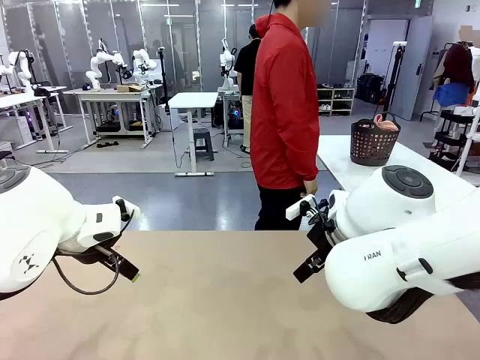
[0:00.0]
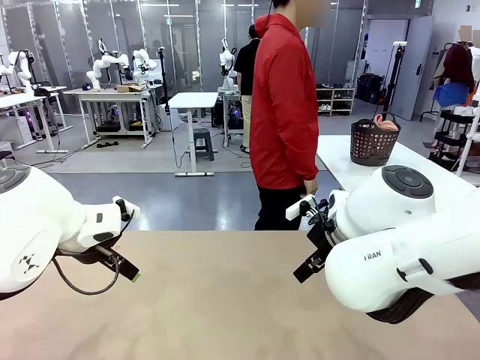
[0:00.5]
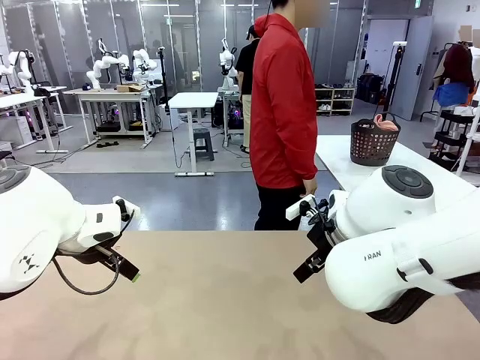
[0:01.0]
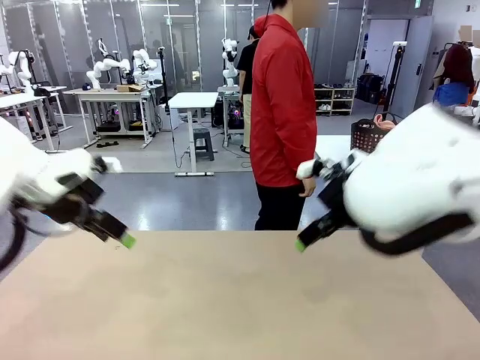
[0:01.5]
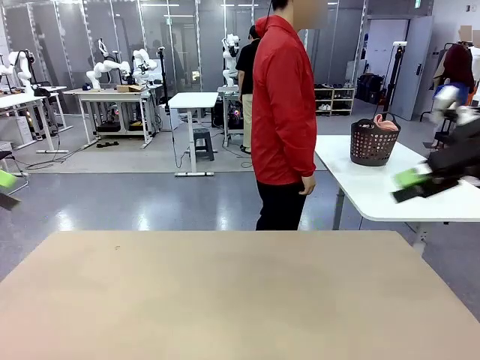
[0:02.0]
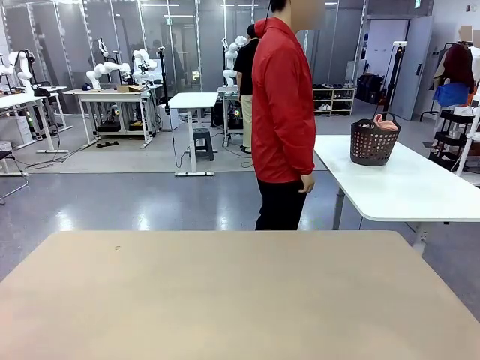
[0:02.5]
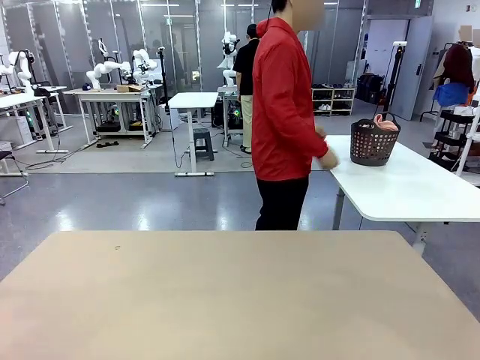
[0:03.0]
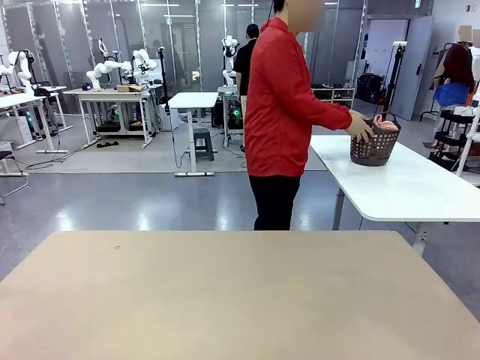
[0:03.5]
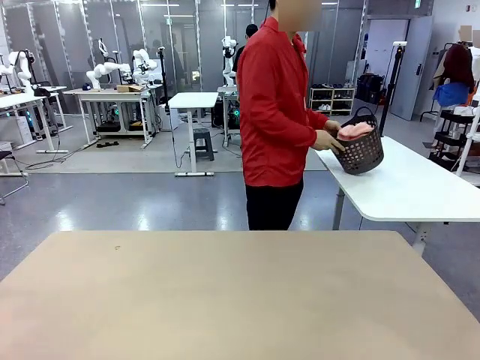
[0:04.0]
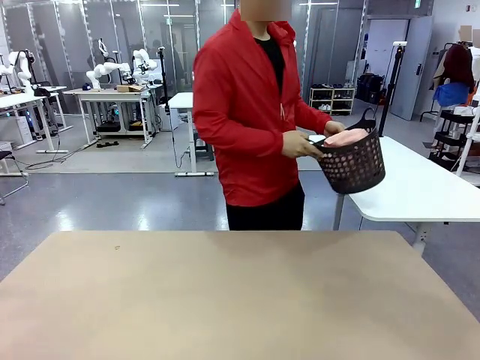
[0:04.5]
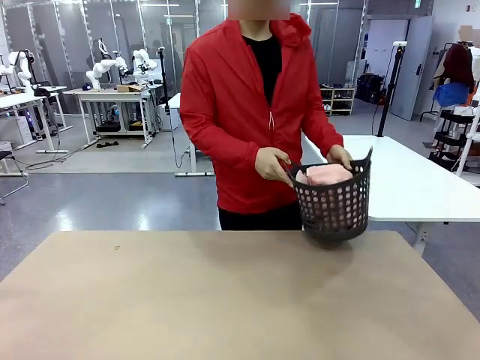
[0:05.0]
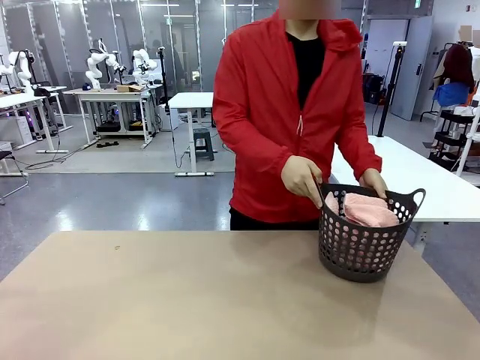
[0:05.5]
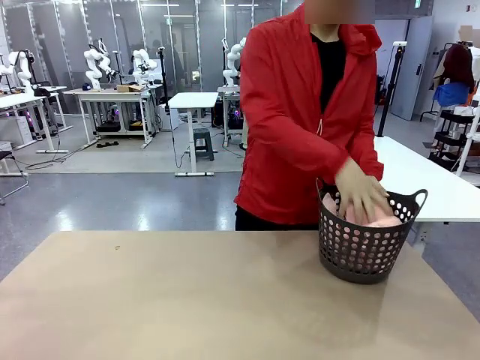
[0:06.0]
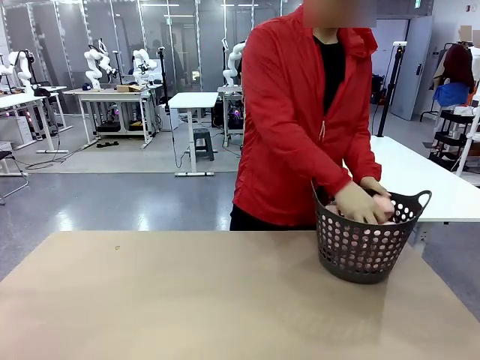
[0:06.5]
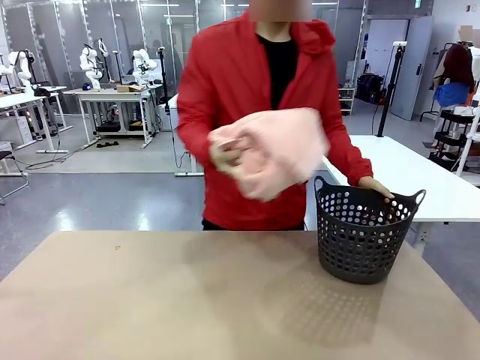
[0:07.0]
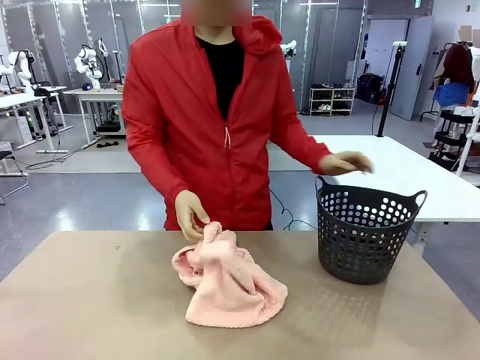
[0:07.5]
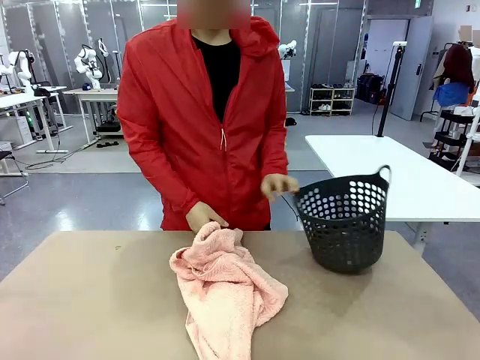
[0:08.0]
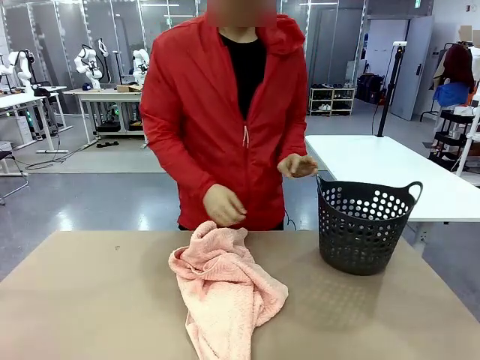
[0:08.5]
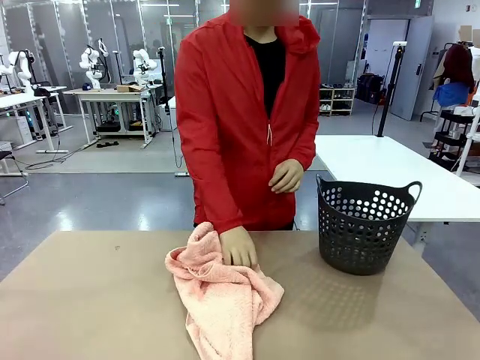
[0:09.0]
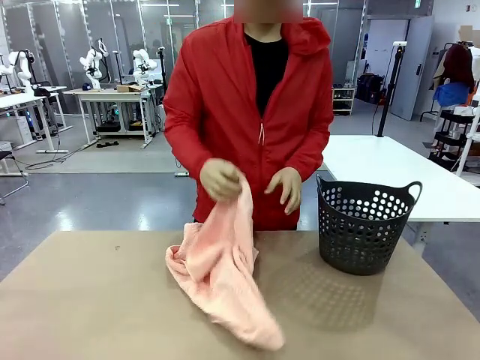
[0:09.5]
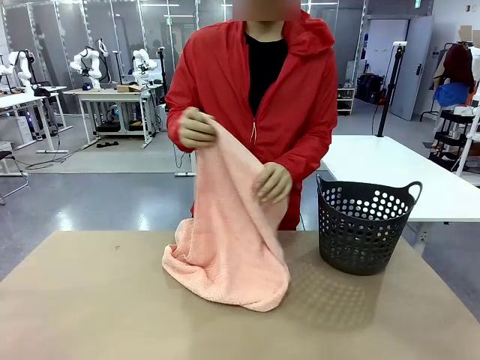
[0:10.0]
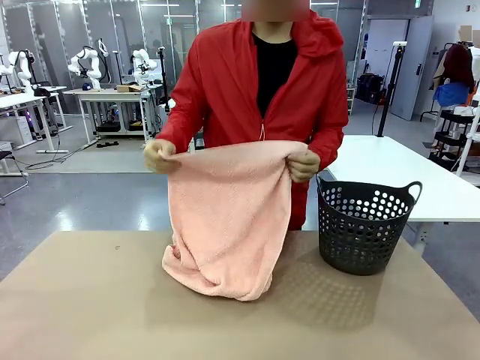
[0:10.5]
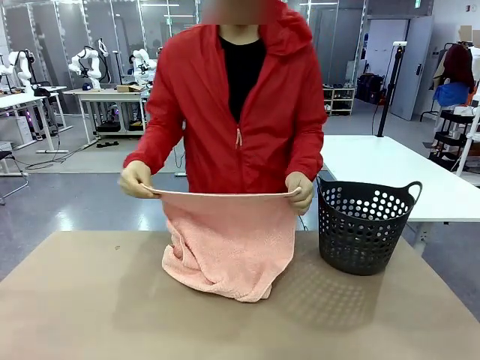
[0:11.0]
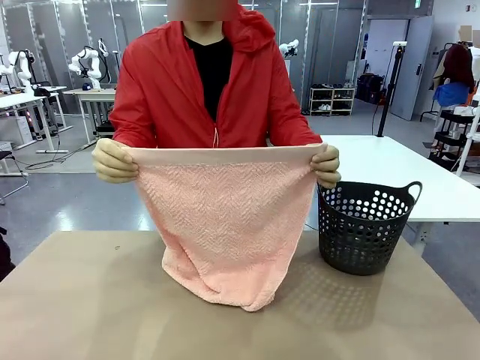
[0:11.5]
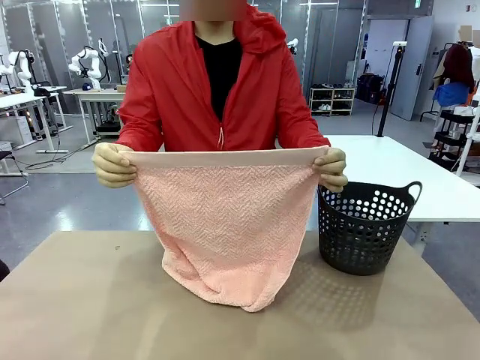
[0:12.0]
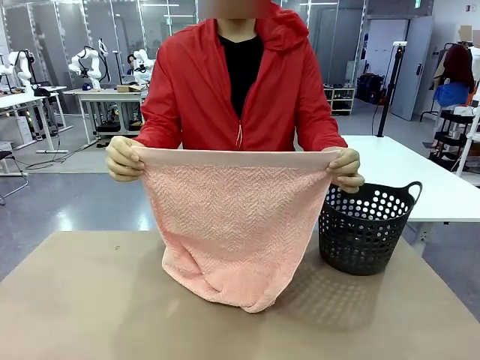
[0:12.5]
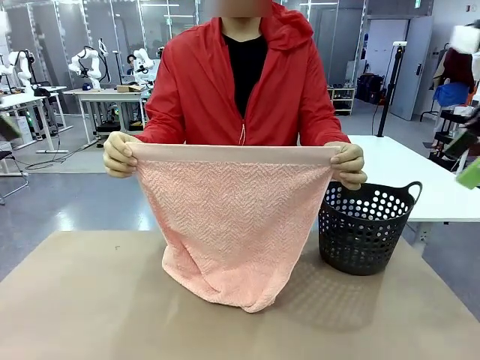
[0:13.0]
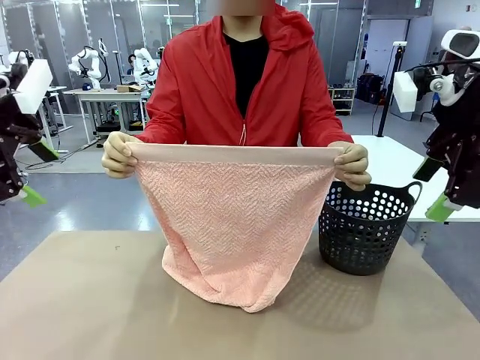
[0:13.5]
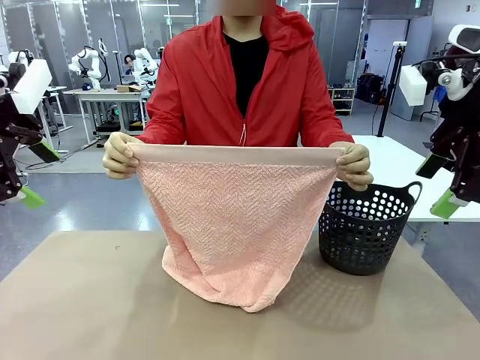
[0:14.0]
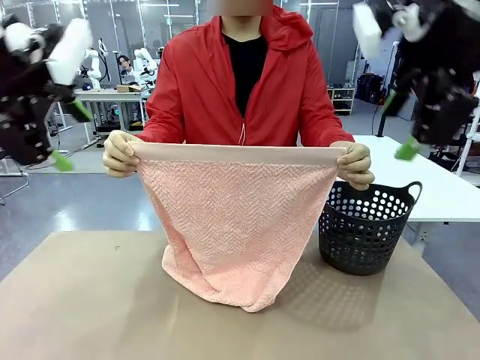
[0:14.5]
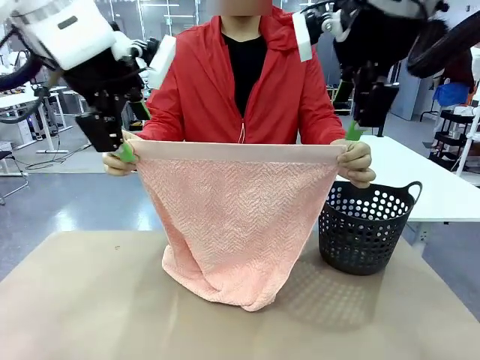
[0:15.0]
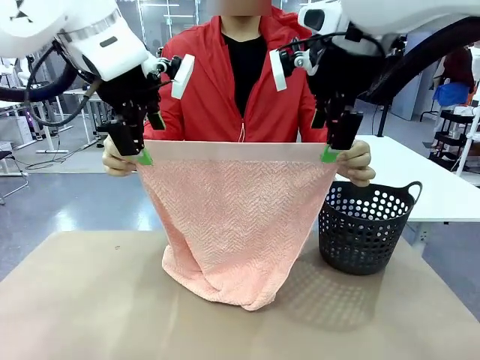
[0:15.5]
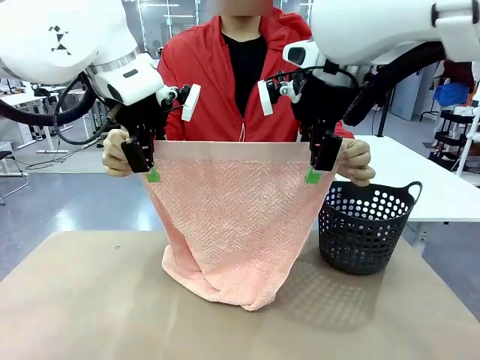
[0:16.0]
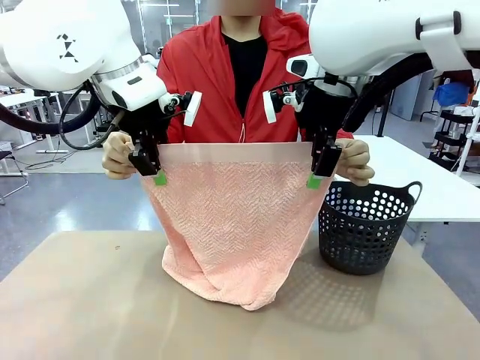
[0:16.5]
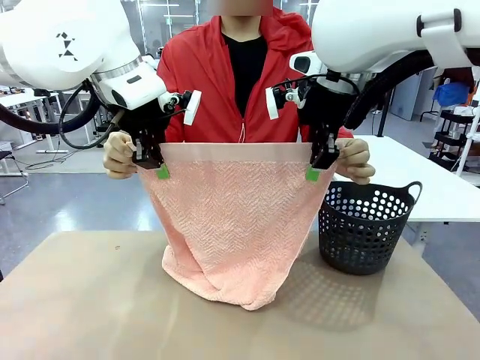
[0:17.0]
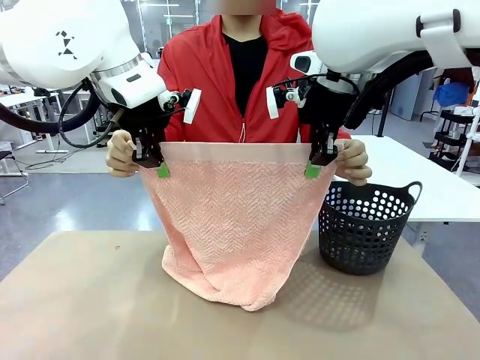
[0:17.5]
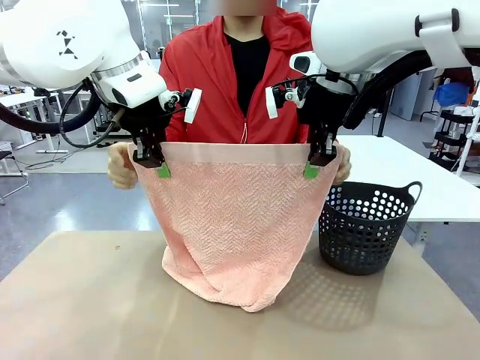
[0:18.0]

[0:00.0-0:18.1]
Task: Fold the towel.
Robot: Grab the top end of the 100 cm Hotel Towel extended by the human.
Person: Pick up the laundry basket, place it on the left side of the robot table, then take out a towel and hand it to the robot while holding both corners of one end.

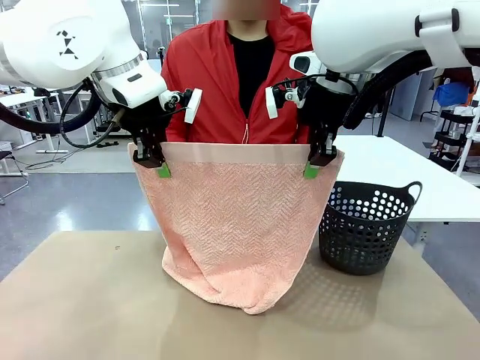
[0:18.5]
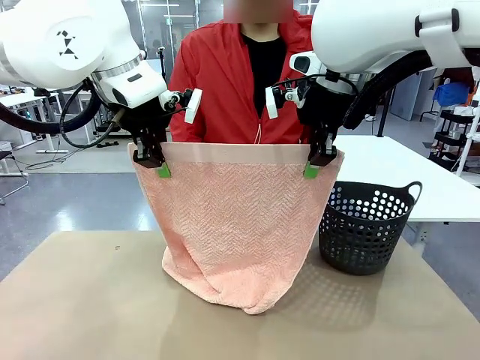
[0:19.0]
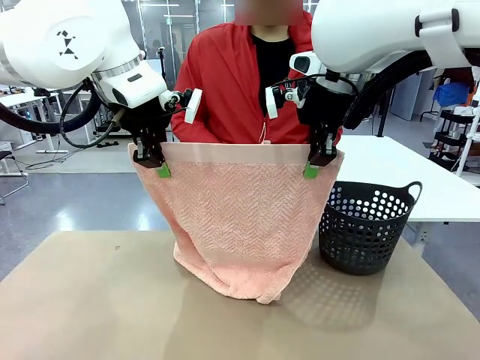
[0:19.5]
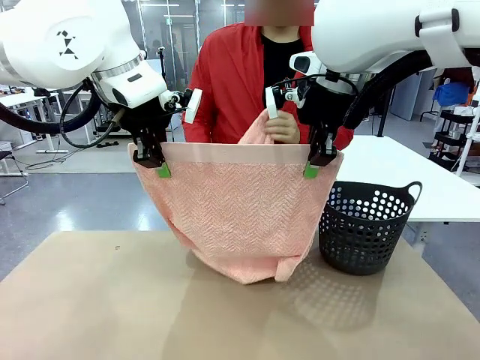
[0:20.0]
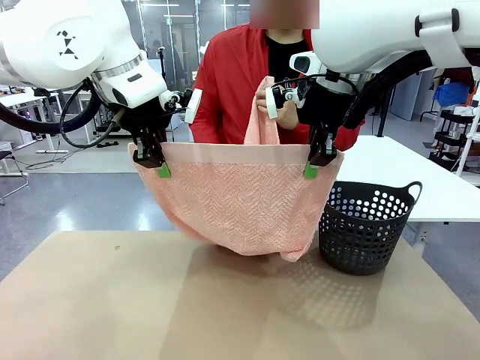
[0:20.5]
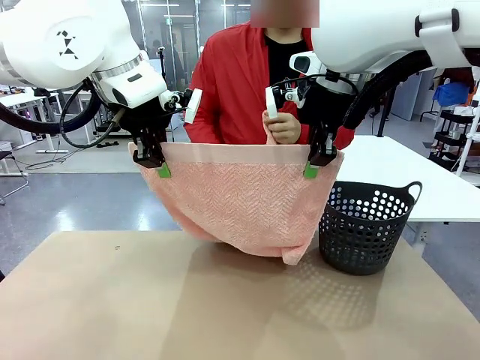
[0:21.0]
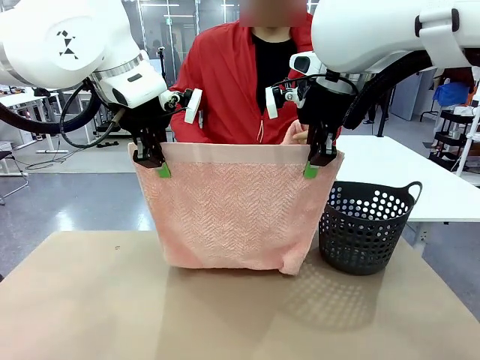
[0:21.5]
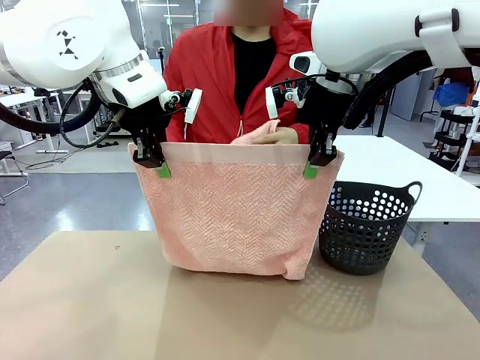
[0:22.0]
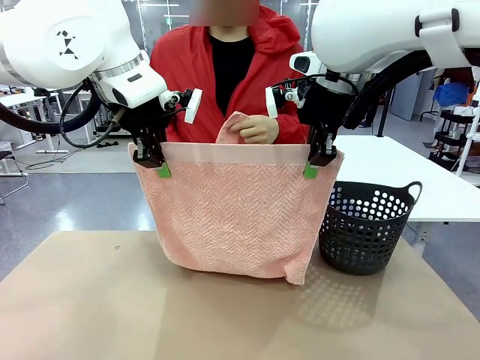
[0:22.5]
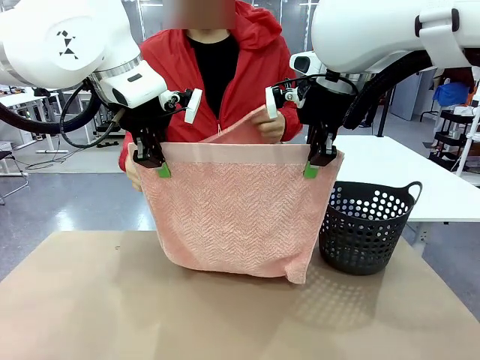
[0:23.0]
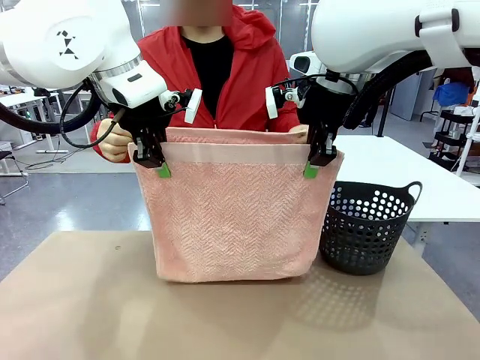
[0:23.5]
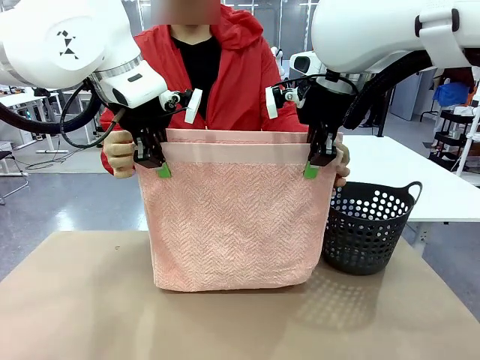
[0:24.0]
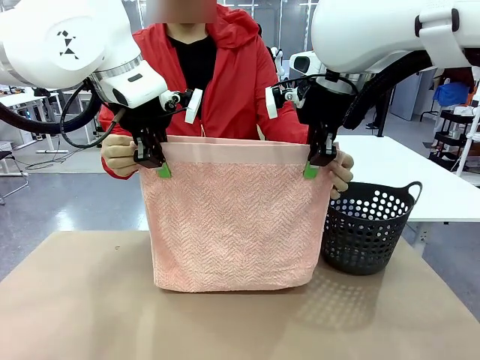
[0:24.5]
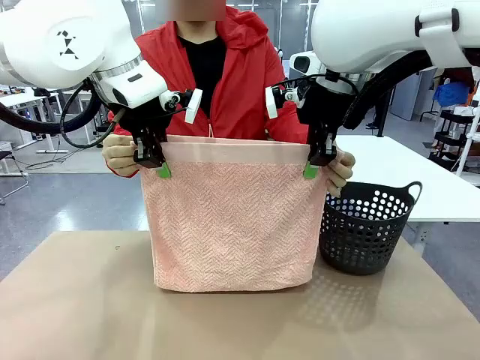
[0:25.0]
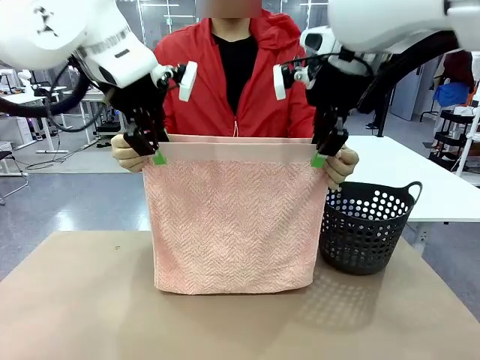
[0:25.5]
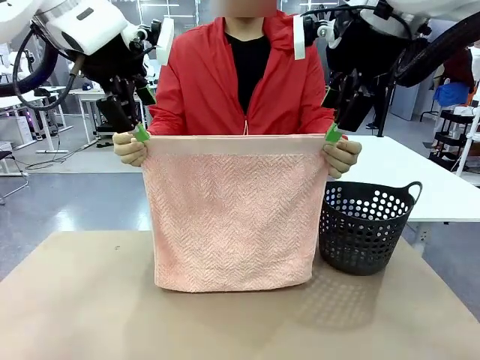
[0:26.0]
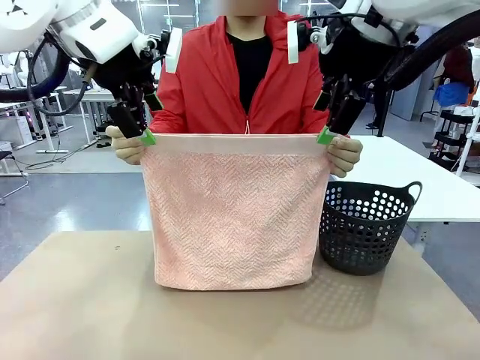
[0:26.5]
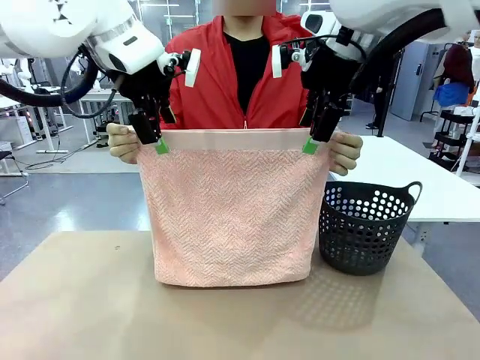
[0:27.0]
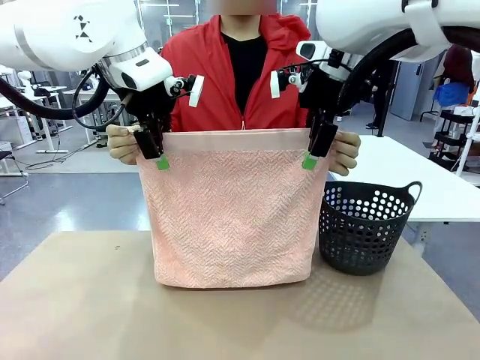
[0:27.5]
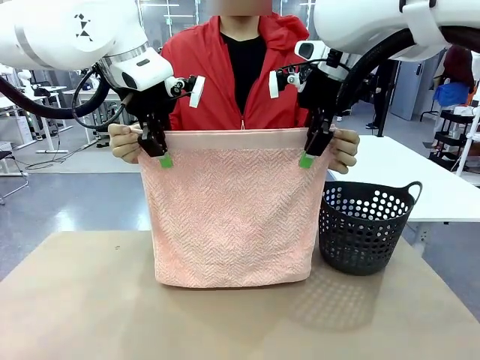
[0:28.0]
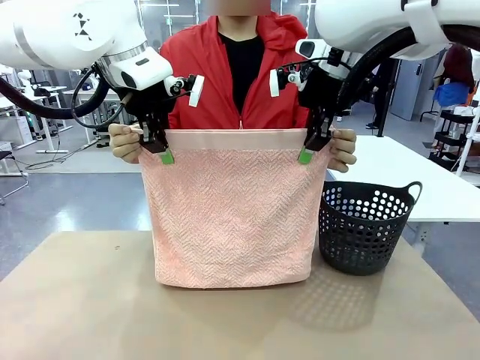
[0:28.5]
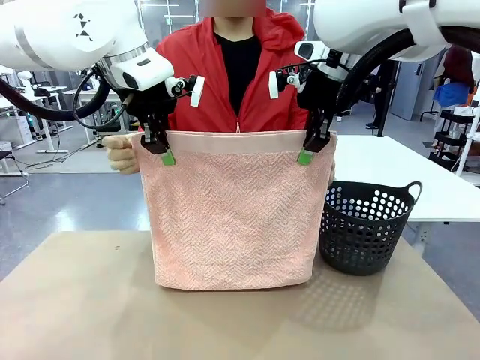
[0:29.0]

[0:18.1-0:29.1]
Robot: Release the end of the 100 cm Hotel Towel you were holding and grab the top end of the folded side.
Person: Using the point held by the robot as a reference, grasp the opposite end, fold the towel in half, and then hold both ends of the folded towel.
